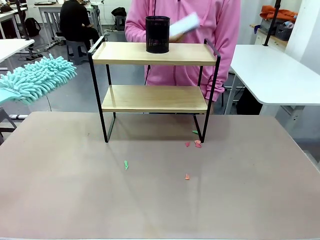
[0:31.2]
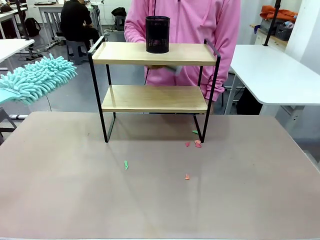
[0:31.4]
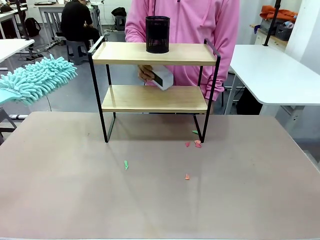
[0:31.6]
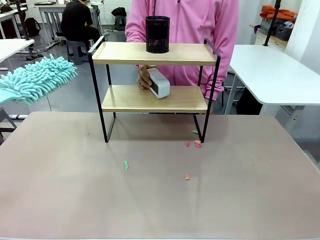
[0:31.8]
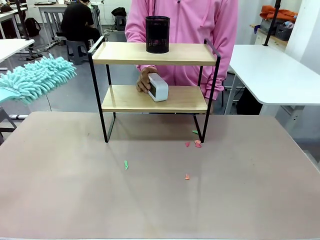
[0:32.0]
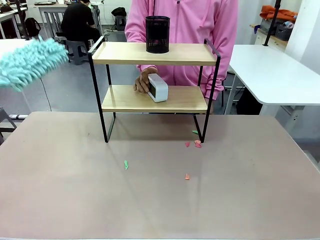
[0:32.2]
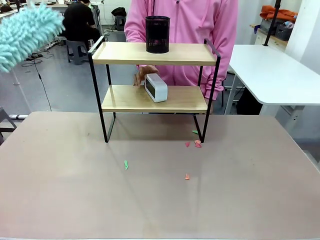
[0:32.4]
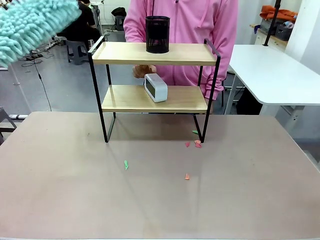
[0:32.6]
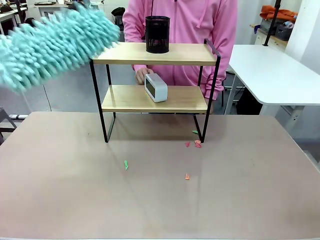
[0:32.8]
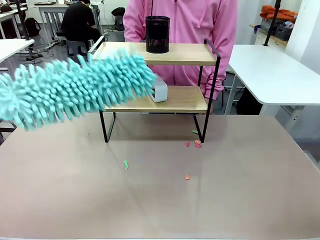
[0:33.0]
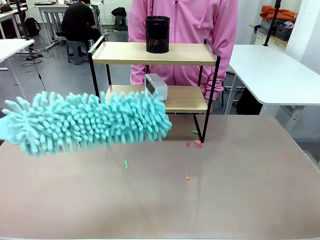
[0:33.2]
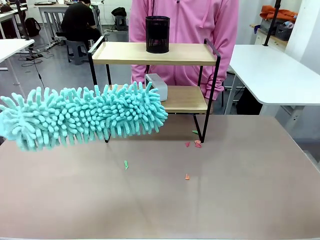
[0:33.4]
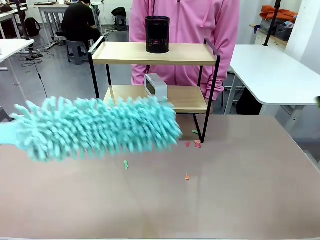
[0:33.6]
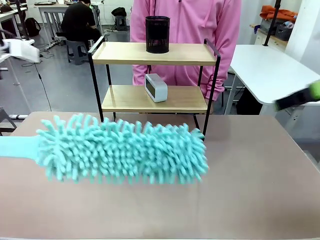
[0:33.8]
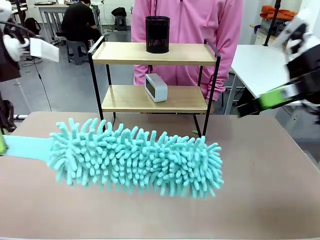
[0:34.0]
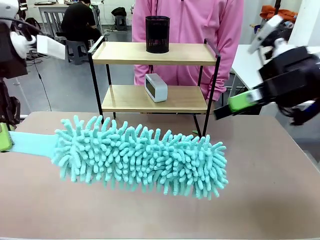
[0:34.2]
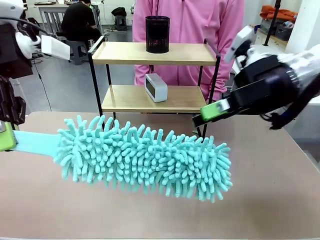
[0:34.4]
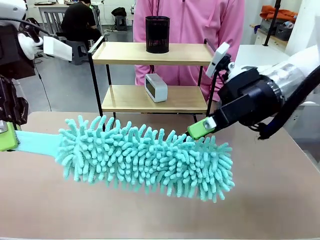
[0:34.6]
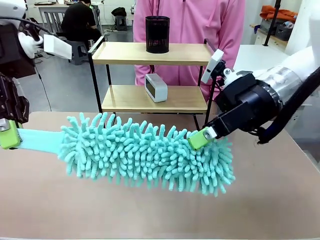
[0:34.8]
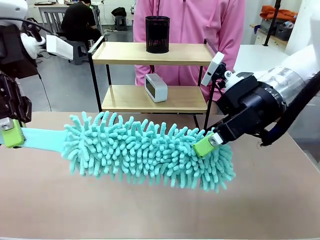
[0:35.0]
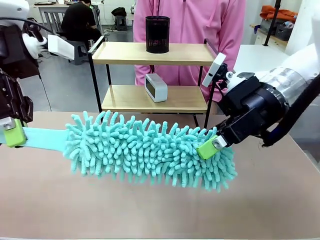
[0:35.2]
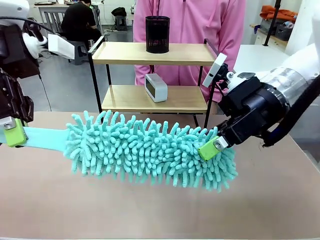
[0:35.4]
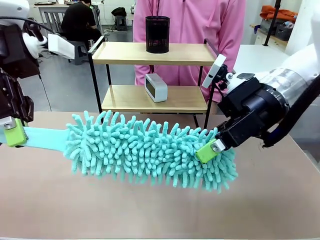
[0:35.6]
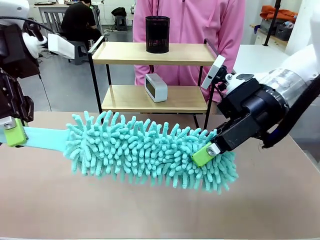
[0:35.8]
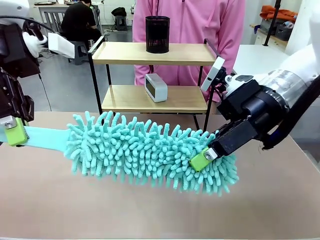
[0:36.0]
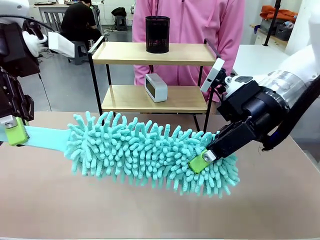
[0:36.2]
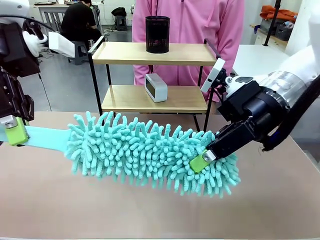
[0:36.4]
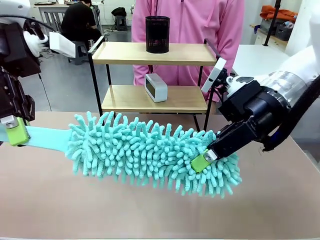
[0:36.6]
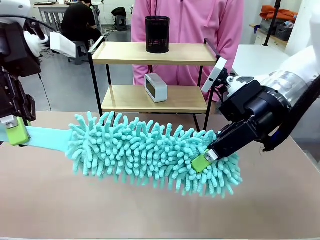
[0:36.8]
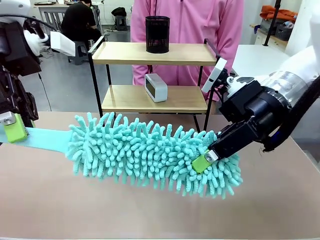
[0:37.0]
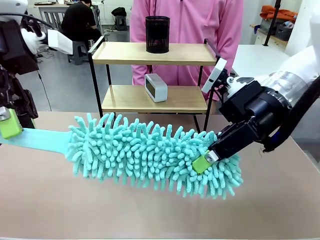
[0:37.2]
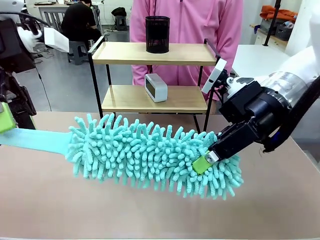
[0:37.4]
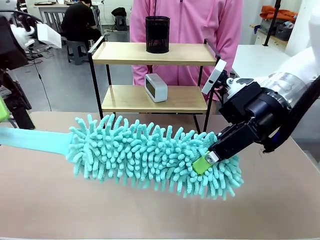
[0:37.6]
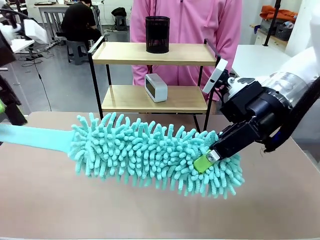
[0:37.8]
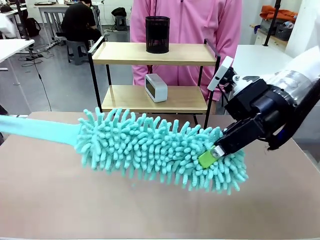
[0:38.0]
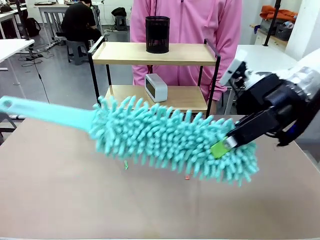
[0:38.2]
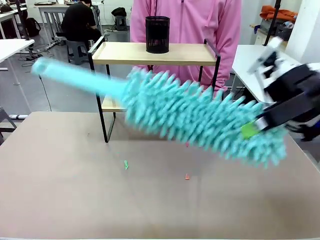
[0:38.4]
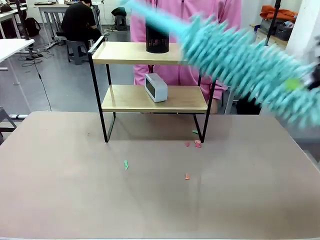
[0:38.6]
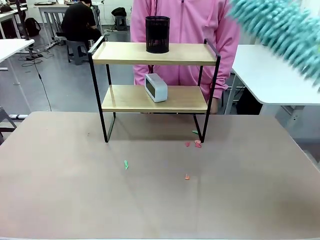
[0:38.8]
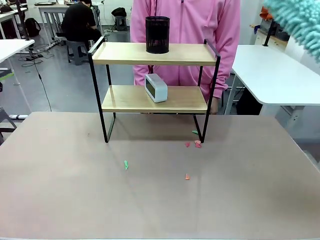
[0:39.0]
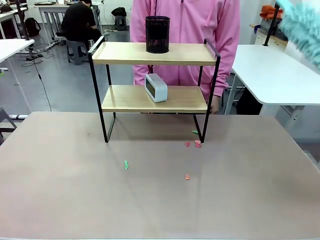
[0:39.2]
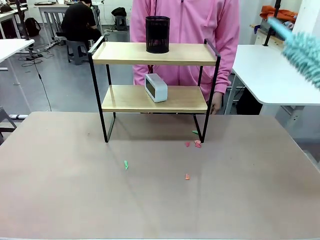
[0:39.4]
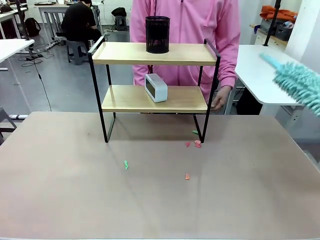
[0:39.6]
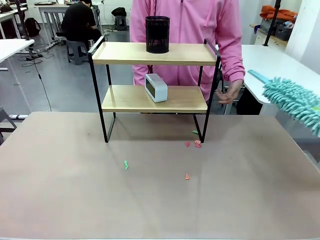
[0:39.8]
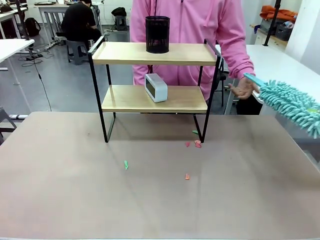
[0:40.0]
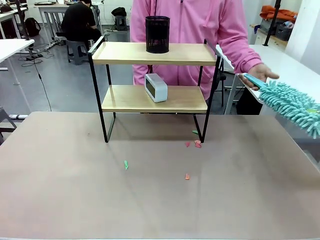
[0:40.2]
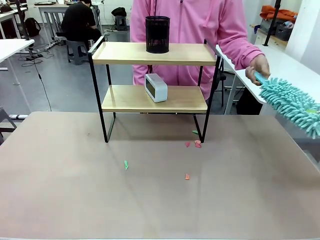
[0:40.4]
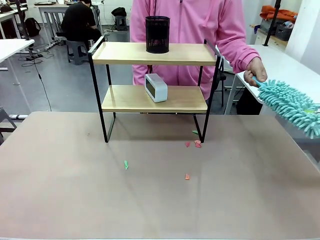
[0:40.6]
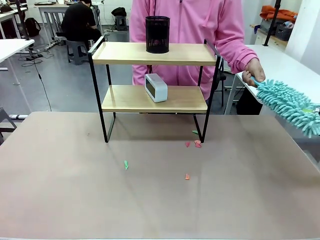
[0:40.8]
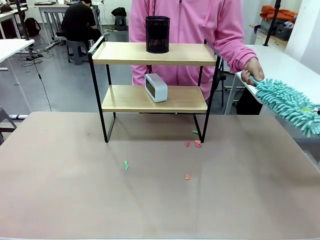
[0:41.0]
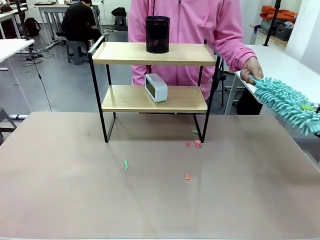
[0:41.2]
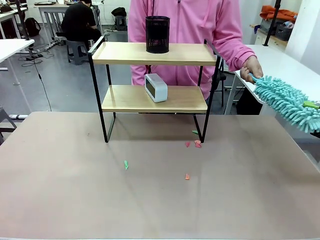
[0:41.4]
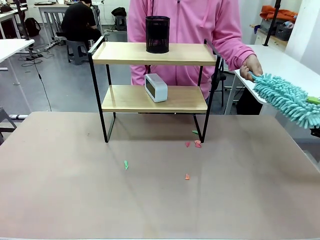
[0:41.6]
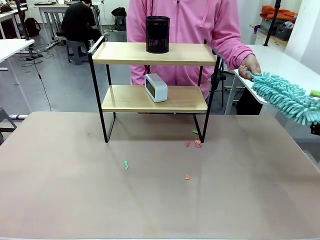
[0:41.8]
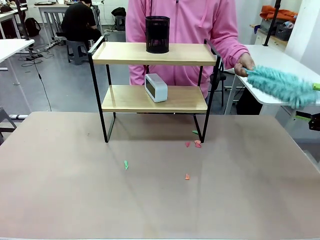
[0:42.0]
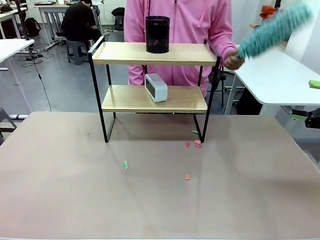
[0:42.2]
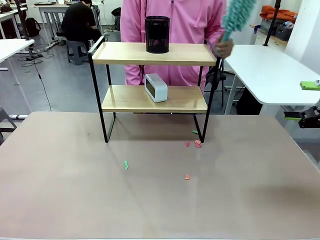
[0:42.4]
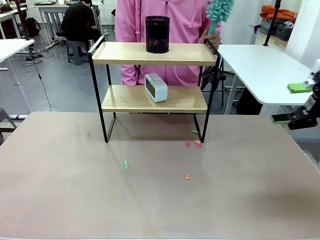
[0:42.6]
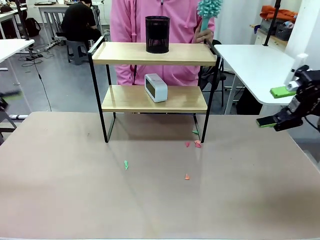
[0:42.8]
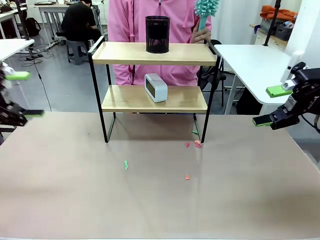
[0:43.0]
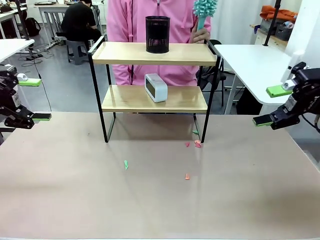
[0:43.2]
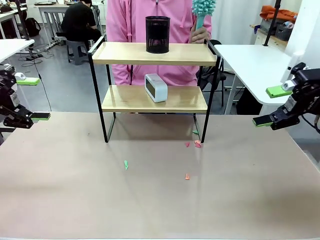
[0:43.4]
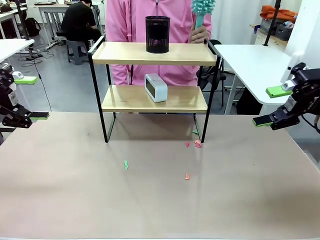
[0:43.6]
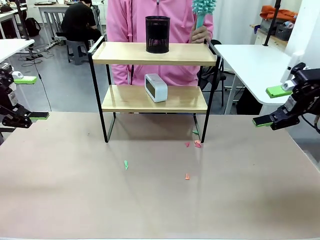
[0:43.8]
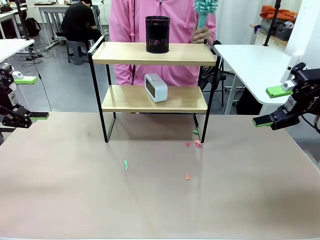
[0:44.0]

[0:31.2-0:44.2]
Task: Clean the shelf.
Robot: Hand the Duster back to the human.
Person: Receive the Duster from the robot.

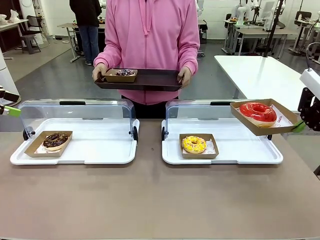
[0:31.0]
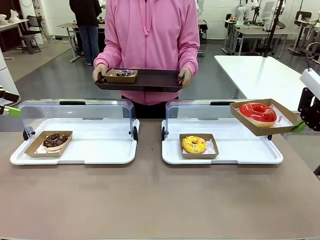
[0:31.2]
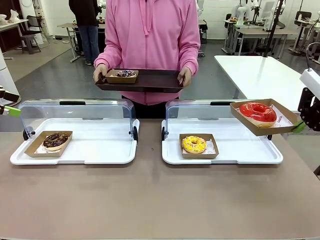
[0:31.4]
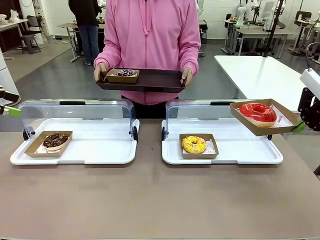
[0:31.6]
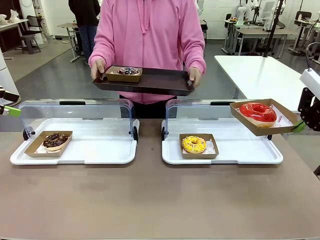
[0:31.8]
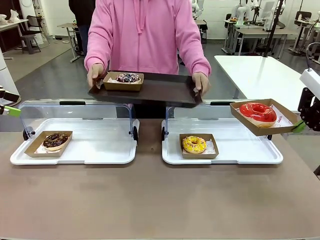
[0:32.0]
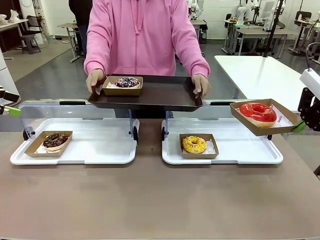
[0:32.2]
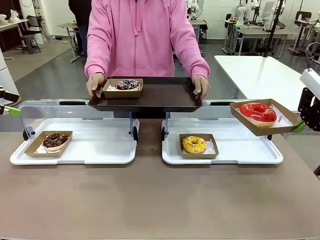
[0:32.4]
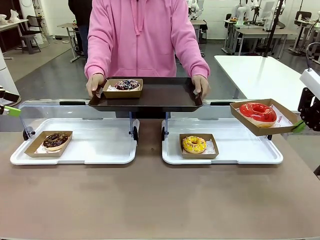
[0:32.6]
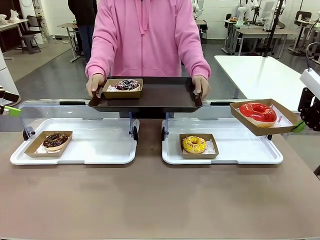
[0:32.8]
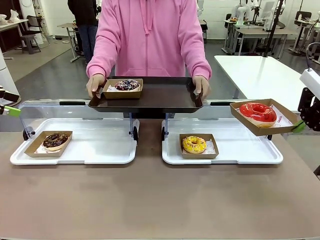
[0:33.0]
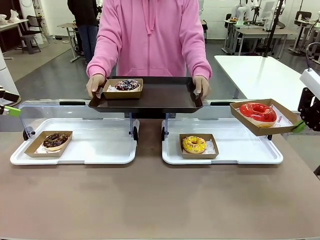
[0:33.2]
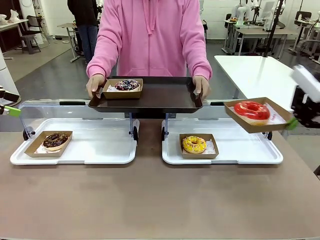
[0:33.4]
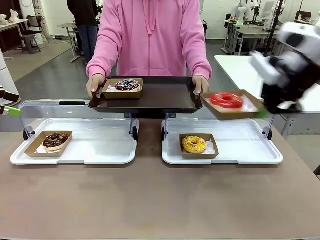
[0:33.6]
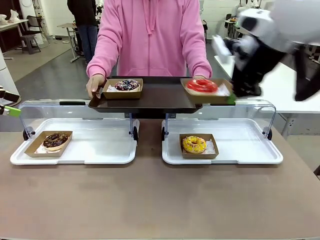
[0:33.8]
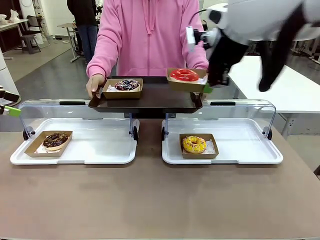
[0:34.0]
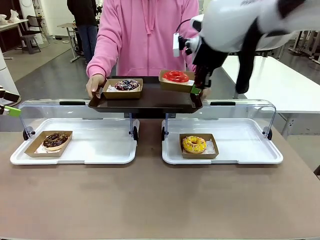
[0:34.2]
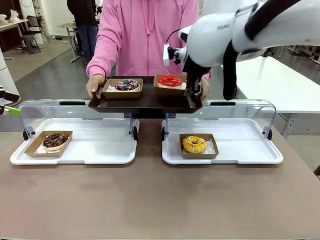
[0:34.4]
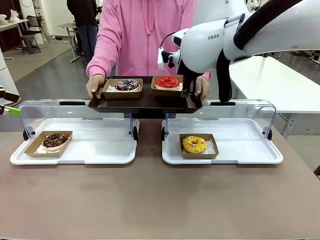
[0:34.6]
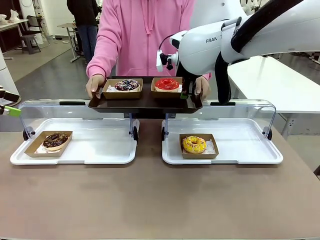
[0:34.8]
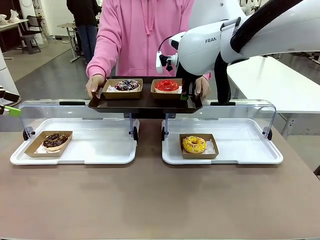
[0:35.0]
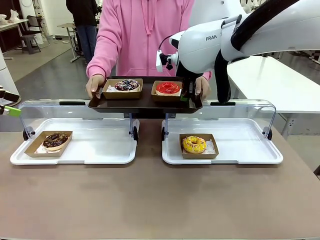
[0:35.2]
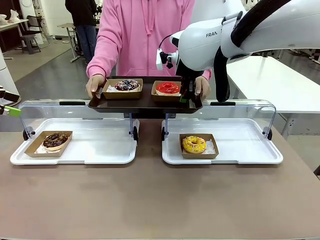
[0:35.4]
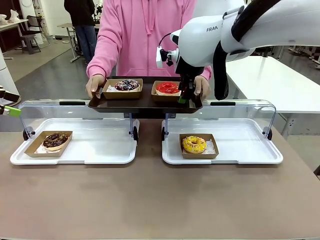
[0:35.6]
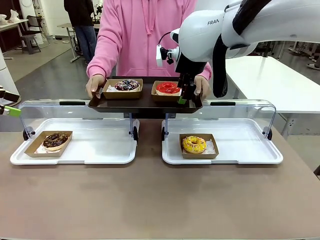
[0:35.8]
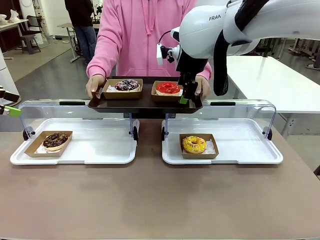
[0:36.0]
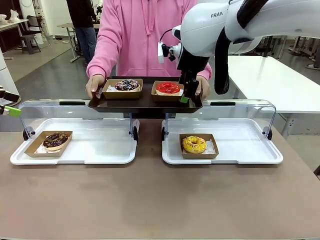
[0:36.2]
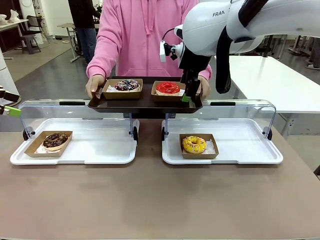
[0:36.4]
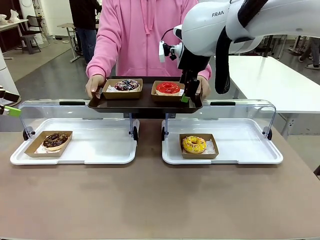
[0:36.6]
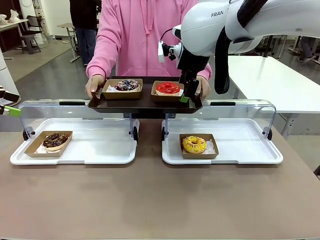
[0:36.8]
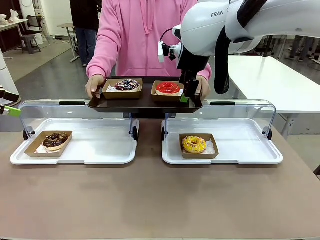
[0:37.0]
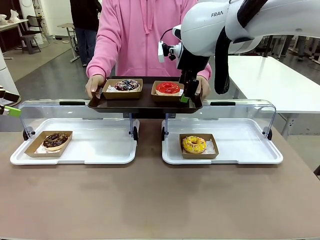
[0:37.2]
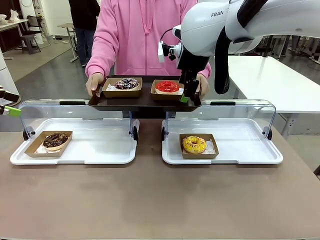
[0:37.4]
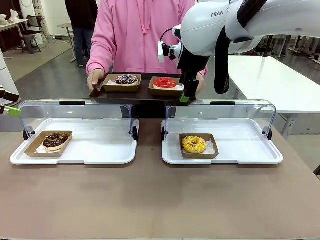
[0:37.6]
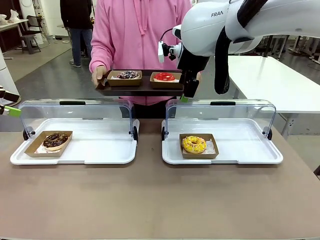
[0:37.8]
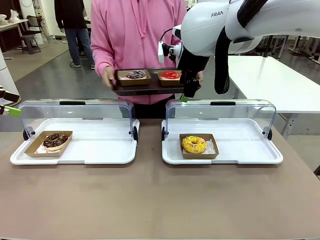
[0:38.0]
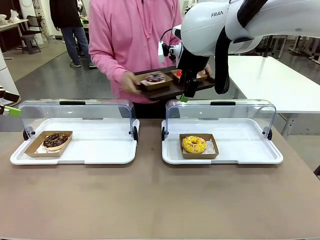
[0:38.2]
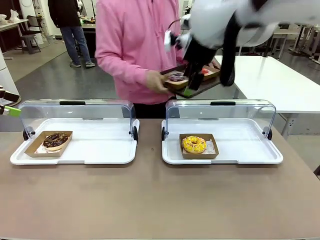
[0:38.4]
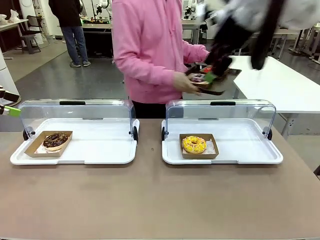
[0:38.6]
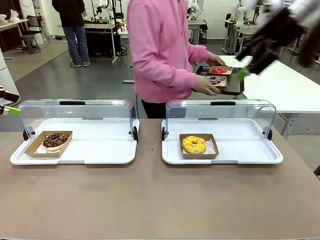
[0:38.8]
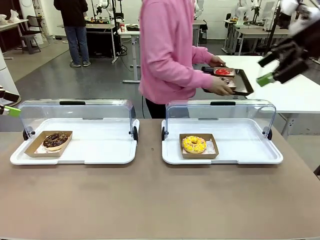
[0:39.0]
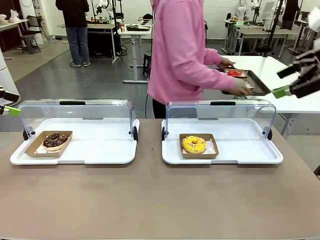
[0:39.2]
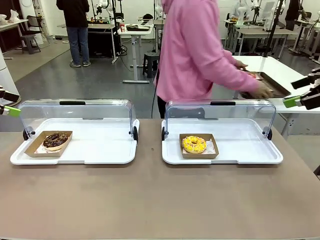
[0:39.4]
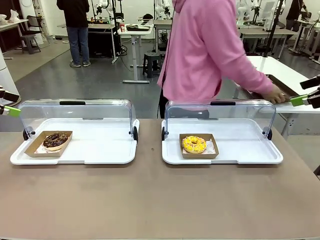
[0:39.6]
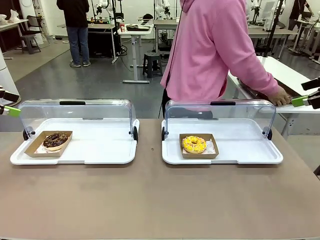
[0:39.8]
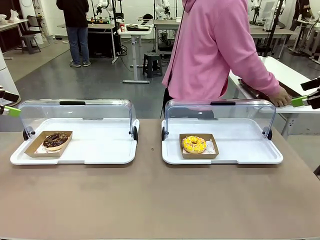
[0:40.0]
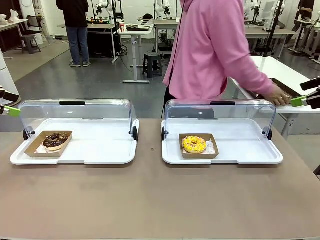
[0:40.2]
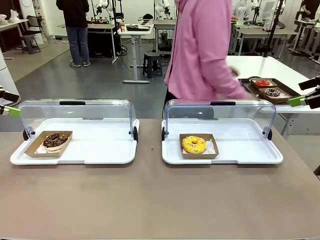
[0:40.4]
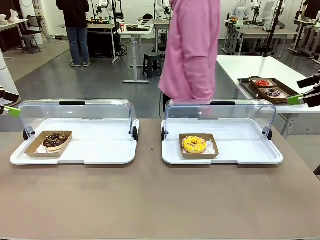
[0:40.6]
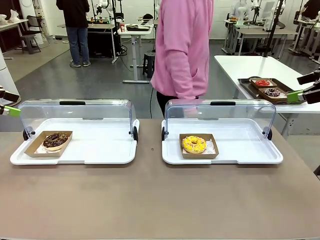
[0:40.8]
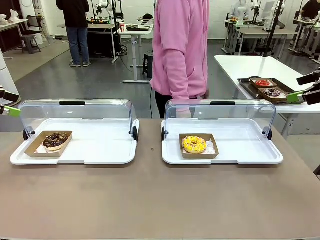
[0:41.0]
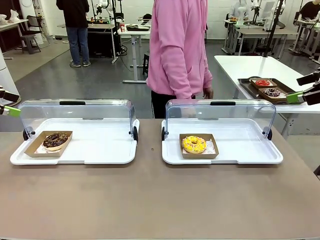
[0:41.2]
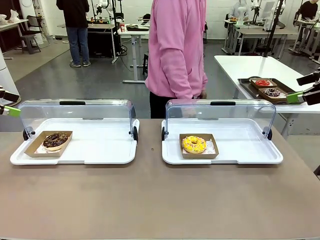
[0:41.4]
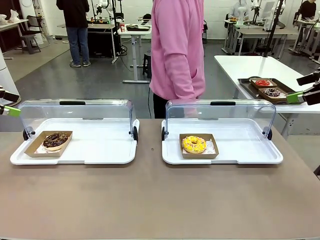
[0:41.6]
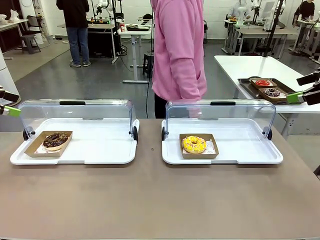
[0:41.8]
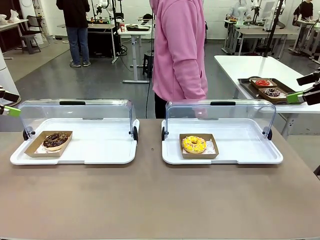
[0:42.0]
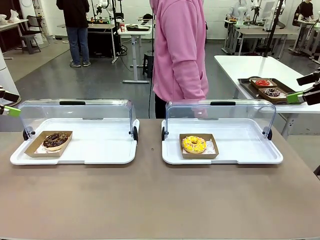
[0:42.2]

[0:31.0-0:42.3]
Task: Provide the desired donut to the person.
Robot: Place the picked Paper togo box onto the Handle tray extended by the person.
Person: Place the tray in the middle of the human table.
